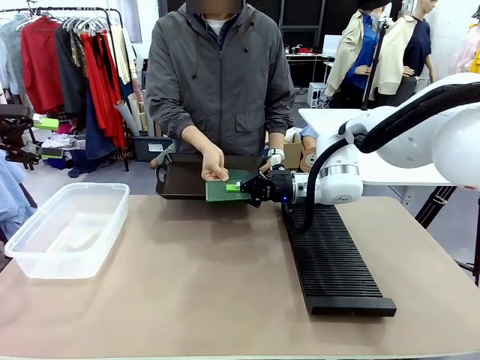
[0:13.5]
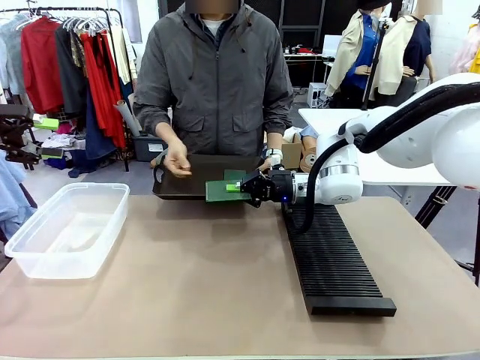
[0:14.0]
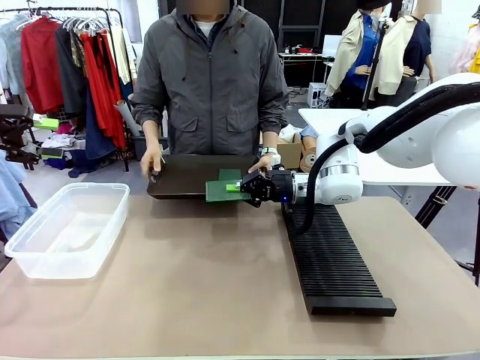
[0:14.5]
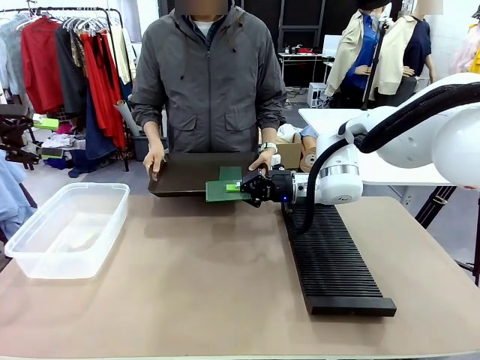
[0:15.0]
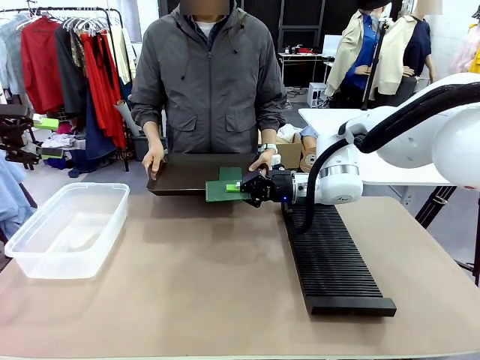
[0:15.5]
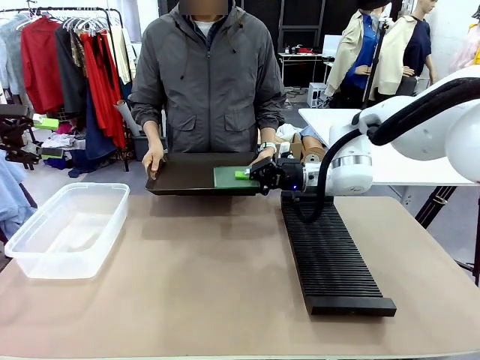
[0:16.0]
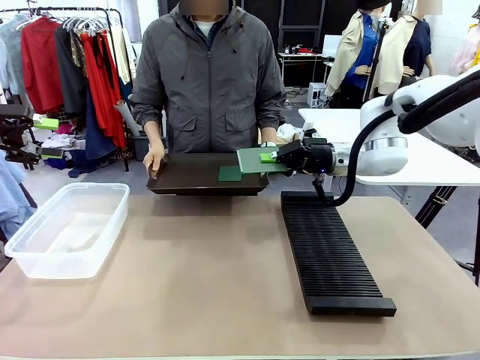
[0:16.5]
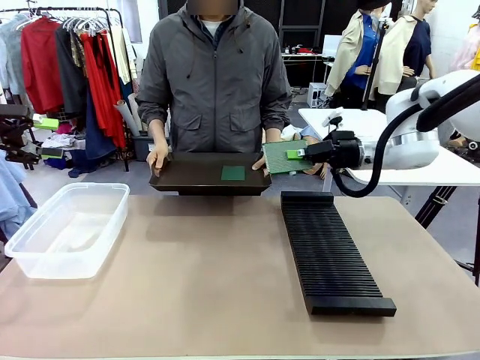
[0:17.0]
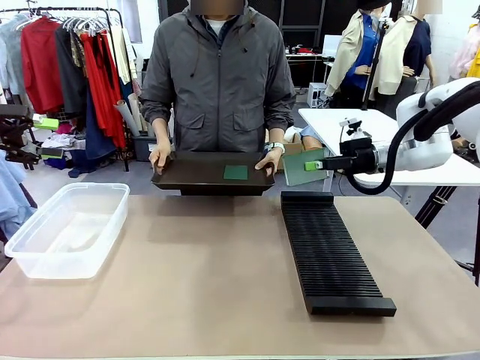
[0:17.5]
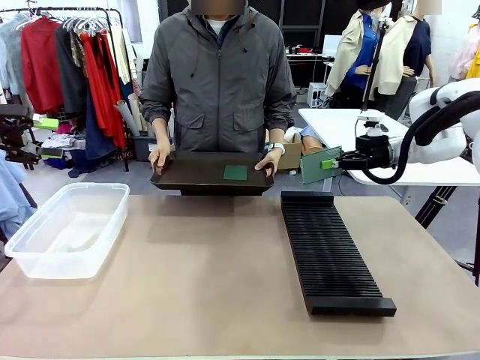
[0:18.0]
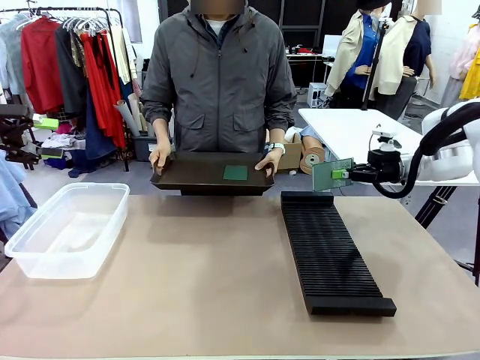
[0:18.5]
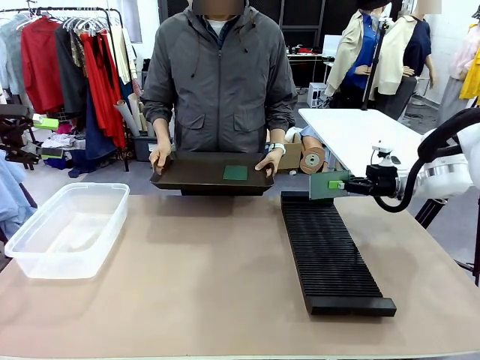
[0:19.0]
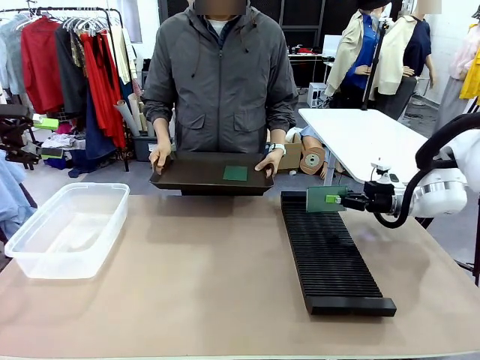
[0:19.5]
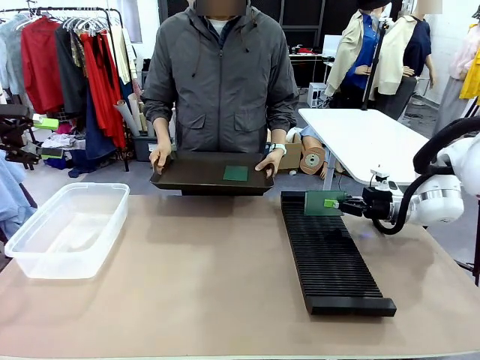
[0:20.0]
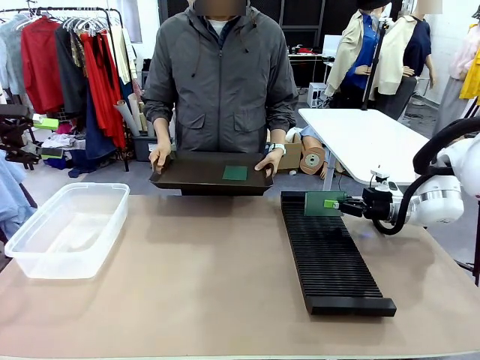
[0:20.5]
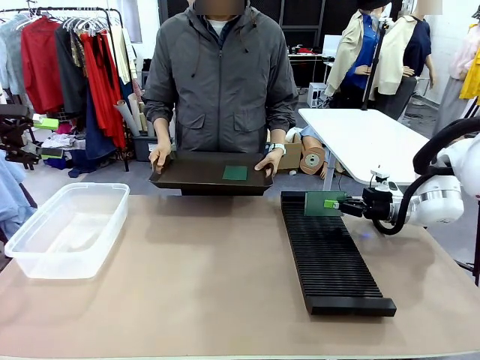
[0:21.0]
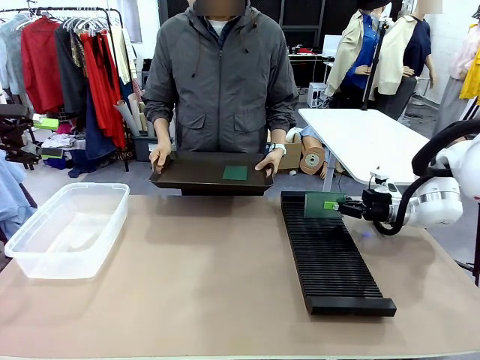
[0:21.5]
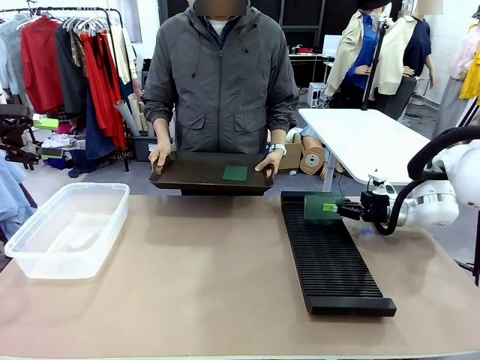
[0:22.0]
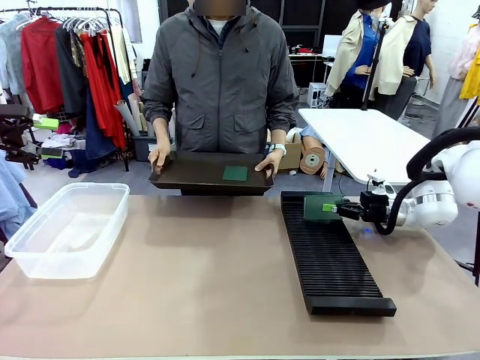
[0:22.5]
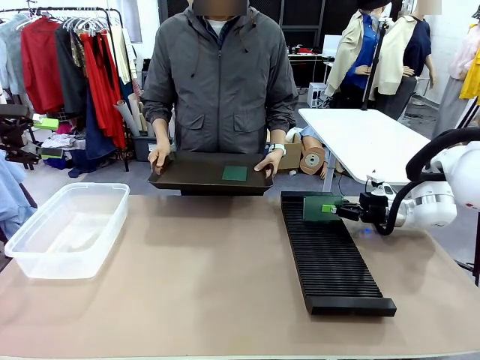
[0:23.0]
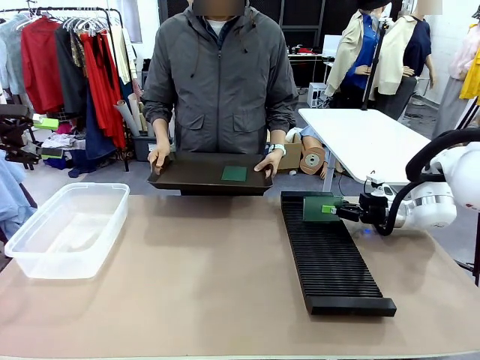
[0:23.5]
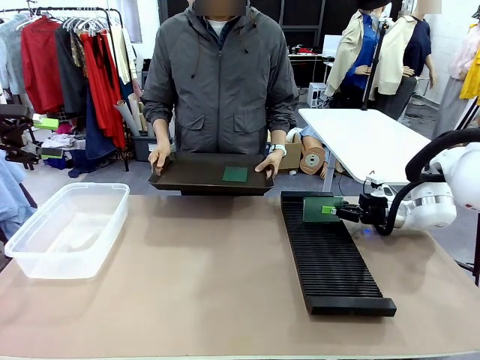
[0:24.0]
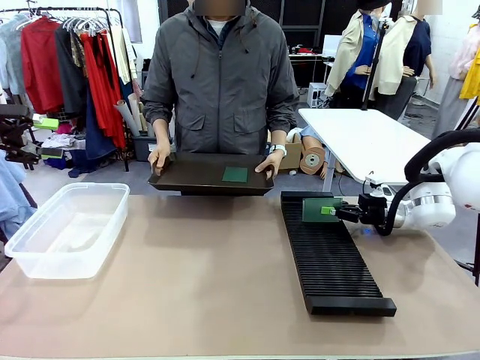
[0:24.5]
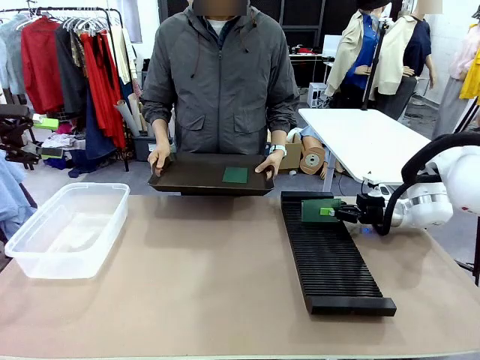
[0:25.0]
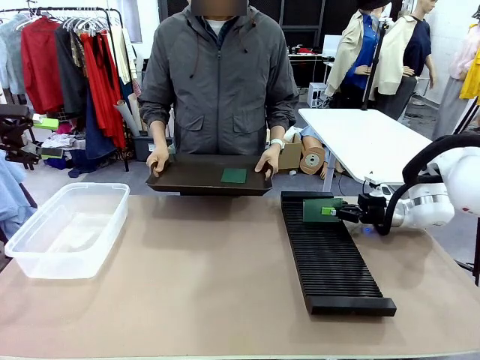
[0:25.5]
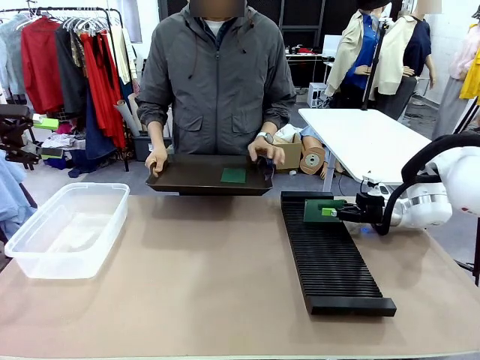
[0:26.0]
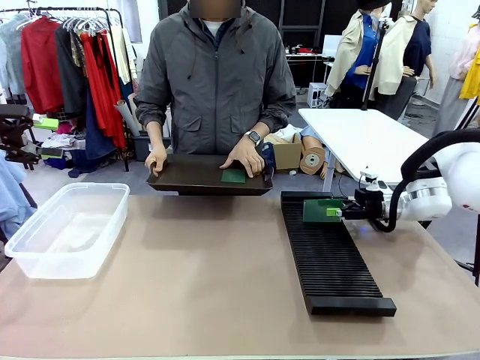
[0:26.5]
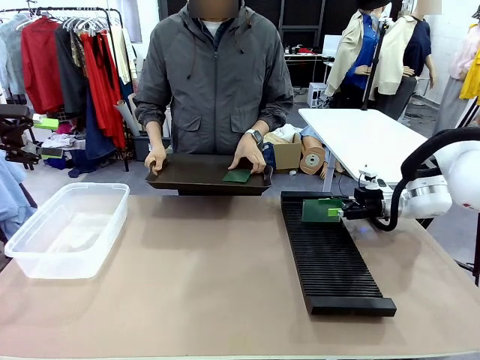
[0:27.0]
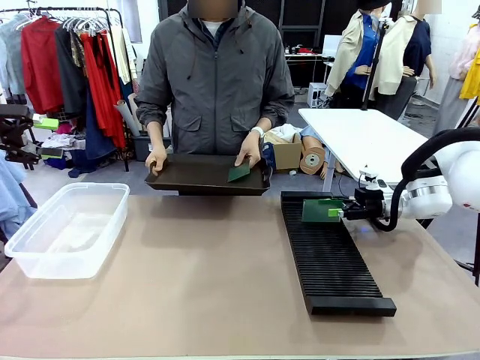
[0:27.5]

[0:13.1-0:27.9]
Task: Sort PCBs into racks and boxes based on the side picked up.
Robot: If the short side of the Blank PCB is picked up, insert it into the PCB Rack ; if the long side is picked up, place it in the Organizing box.
Person: Pick one PCB from the tray and present it to the robot.

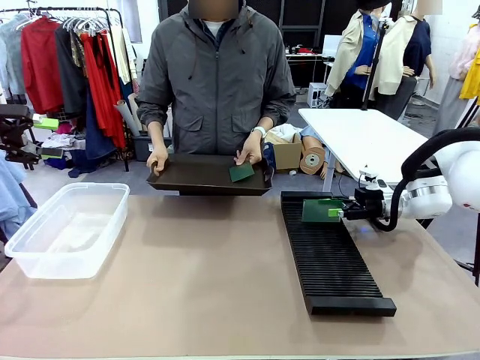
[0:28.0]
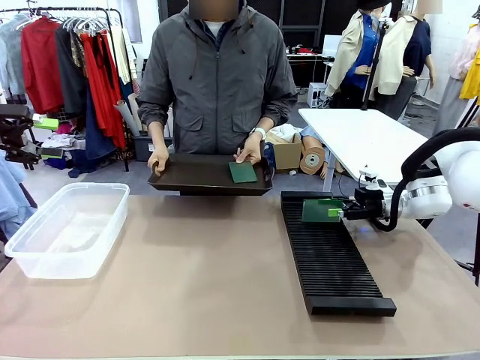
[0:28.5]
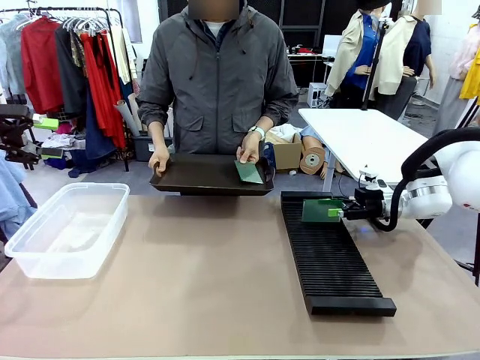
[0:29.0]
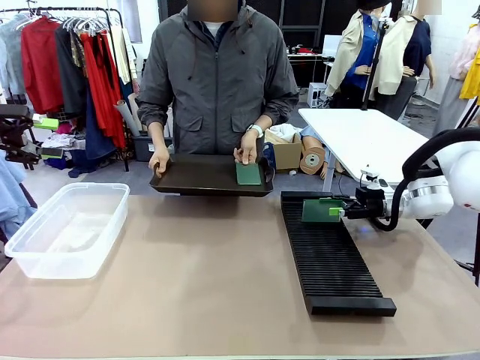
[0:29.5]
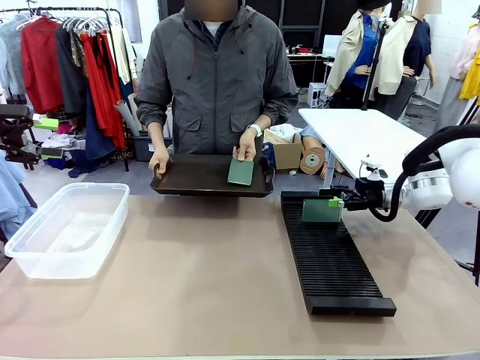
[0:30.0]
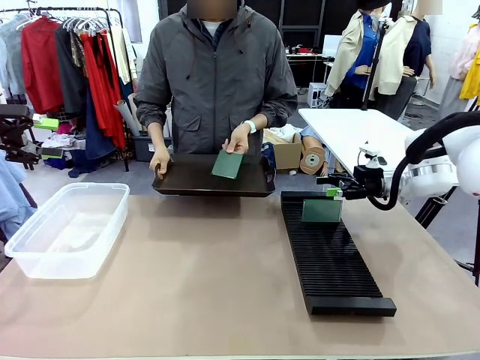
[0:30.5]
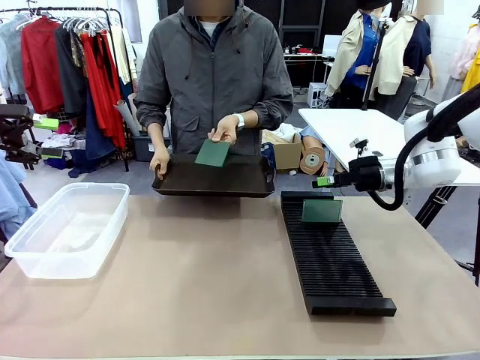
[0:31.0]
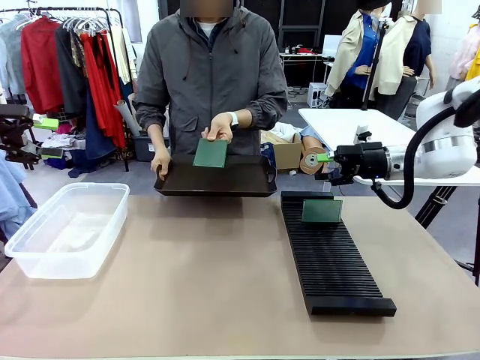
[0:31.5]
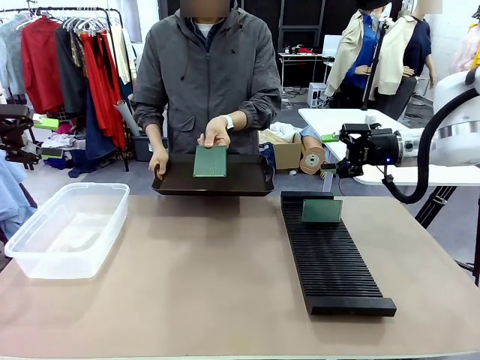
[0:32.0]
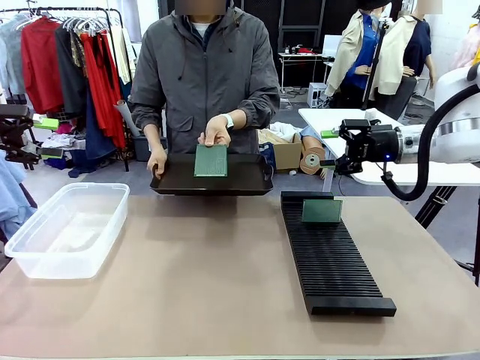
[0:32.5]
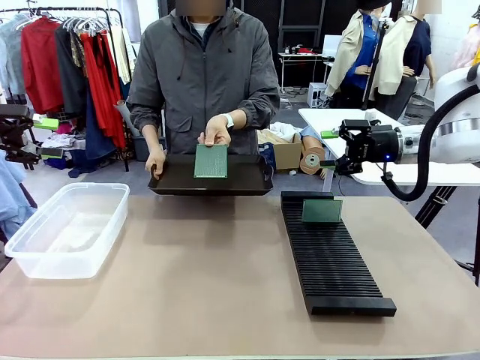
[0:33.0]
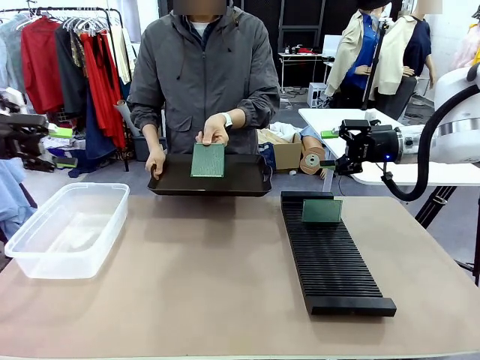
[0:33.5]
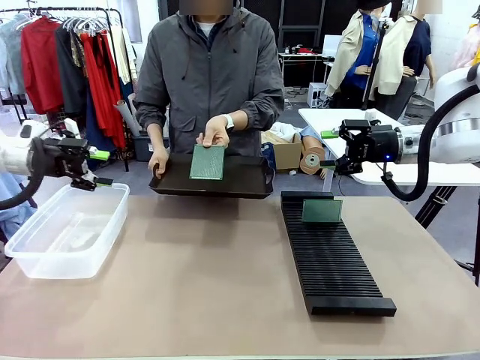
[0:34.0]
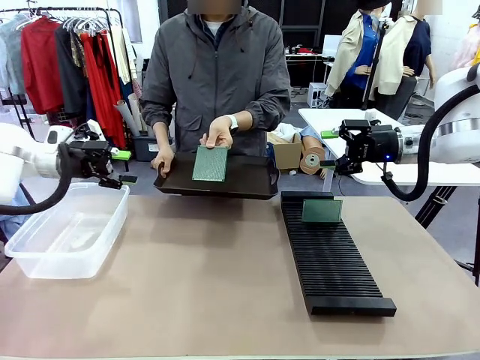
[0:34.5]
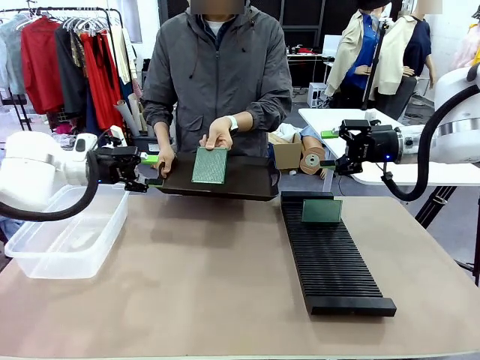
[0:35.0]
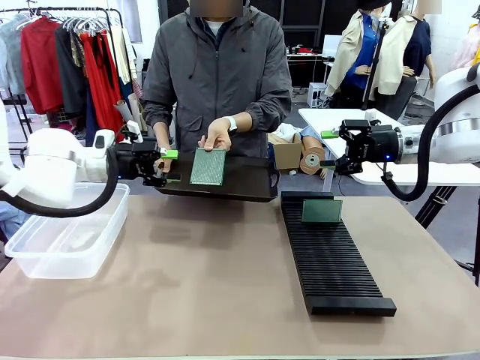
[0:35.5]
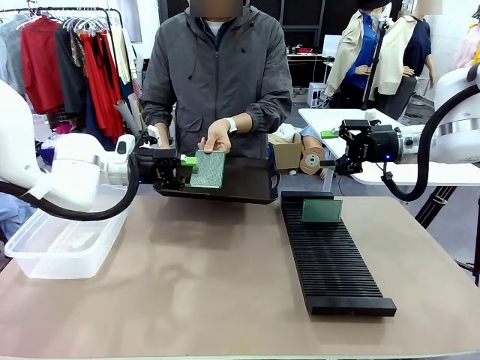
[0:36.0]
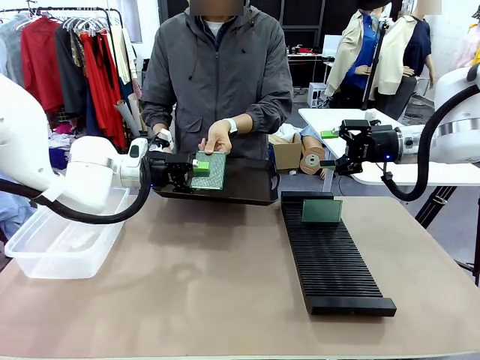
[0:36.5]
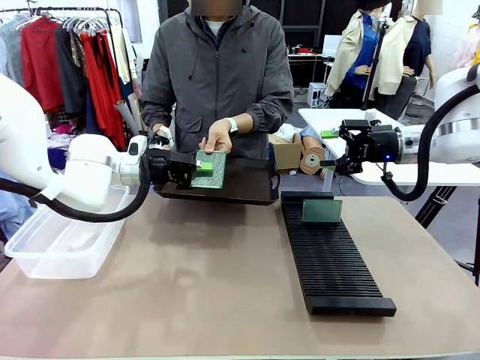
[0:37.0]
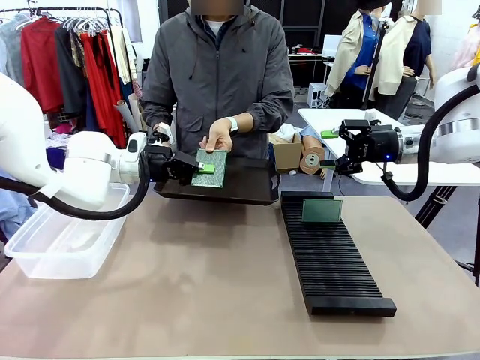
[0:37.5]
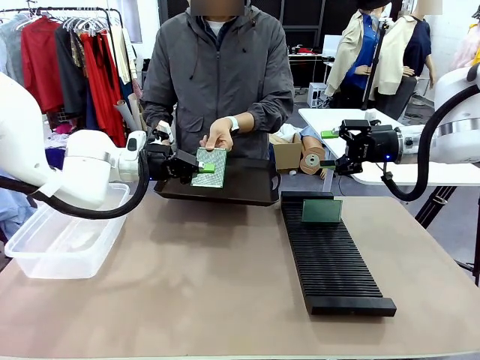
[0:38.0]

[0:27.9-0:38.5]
Robot: Pick up the Blank PCB handed by the Human.
